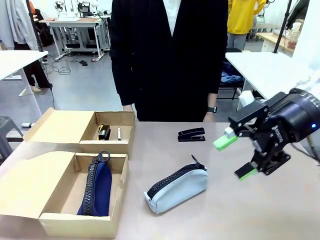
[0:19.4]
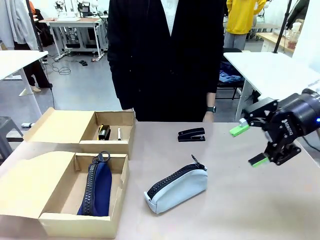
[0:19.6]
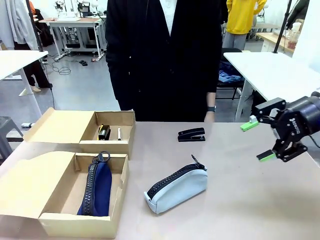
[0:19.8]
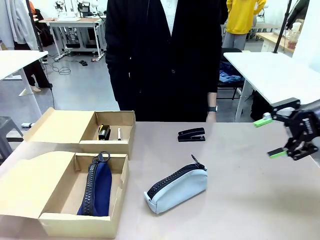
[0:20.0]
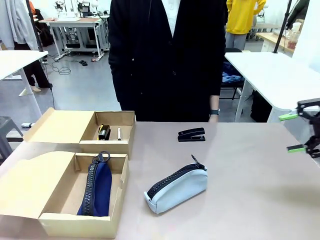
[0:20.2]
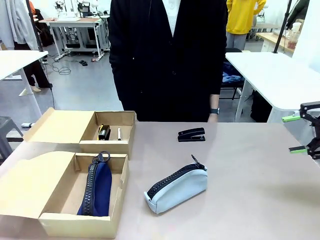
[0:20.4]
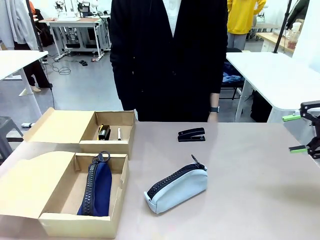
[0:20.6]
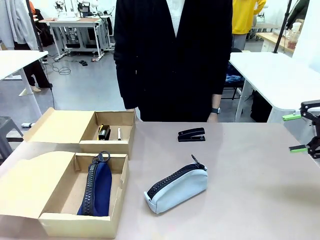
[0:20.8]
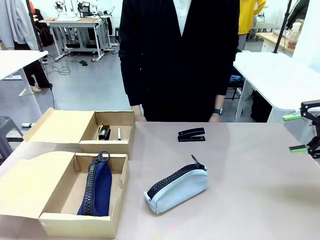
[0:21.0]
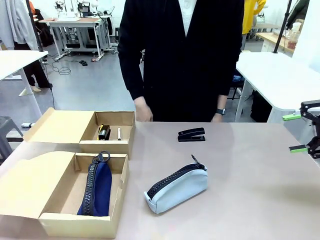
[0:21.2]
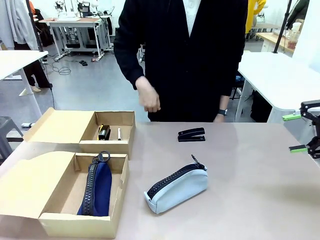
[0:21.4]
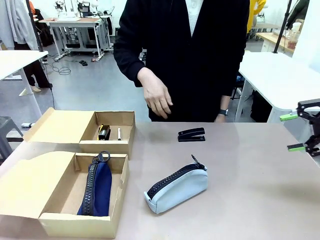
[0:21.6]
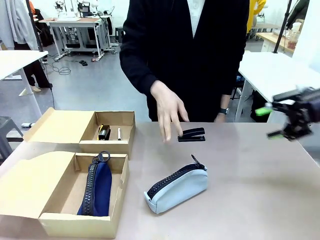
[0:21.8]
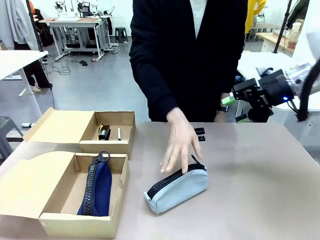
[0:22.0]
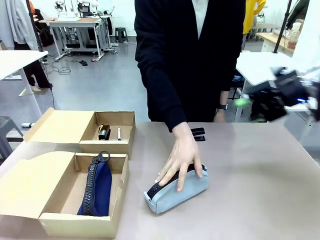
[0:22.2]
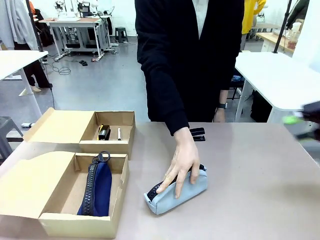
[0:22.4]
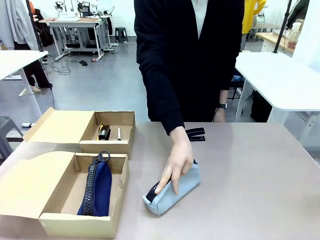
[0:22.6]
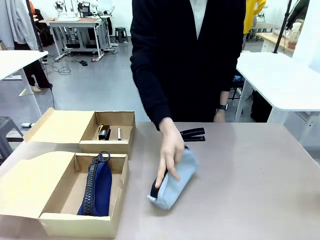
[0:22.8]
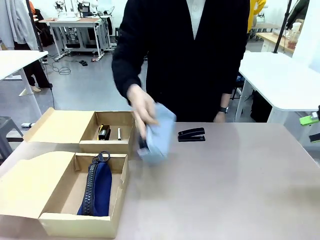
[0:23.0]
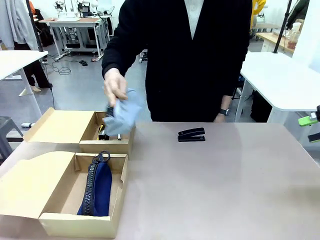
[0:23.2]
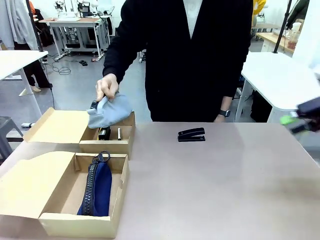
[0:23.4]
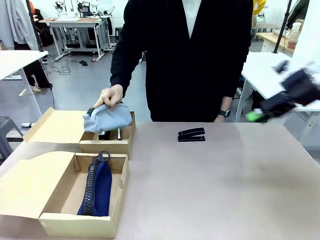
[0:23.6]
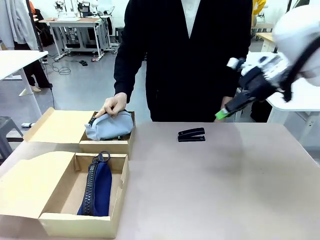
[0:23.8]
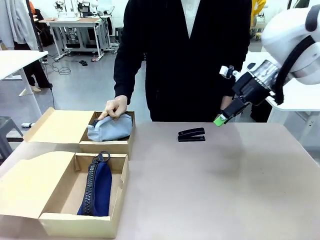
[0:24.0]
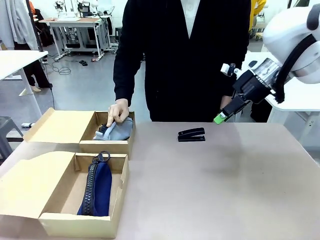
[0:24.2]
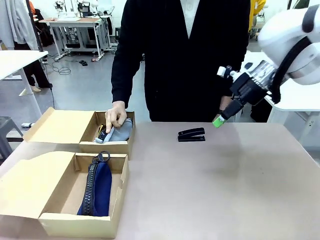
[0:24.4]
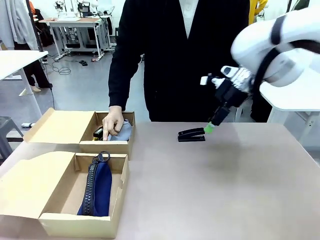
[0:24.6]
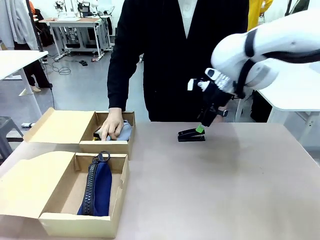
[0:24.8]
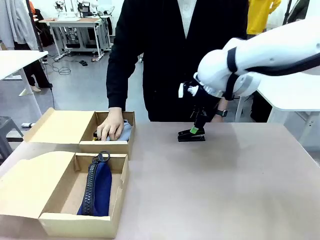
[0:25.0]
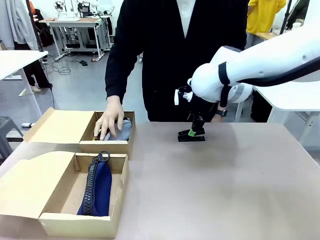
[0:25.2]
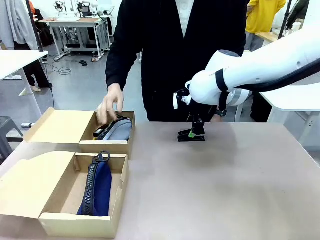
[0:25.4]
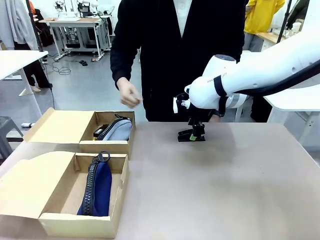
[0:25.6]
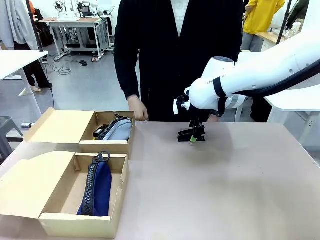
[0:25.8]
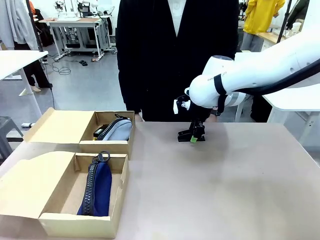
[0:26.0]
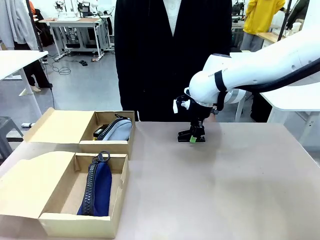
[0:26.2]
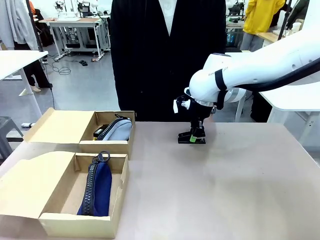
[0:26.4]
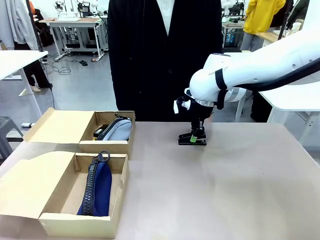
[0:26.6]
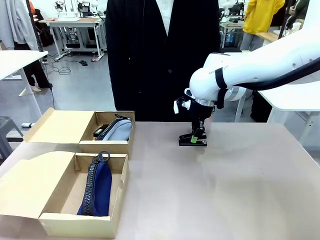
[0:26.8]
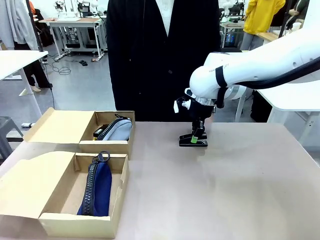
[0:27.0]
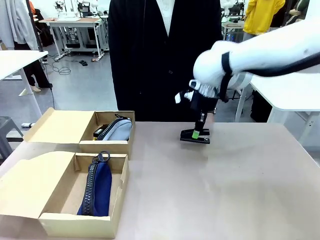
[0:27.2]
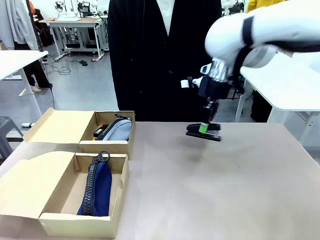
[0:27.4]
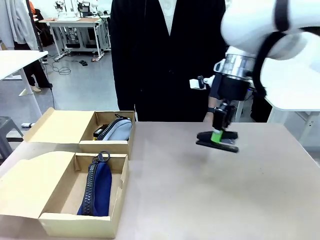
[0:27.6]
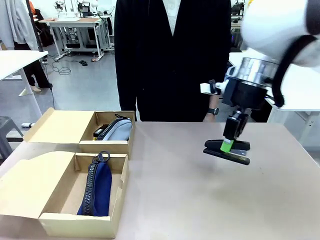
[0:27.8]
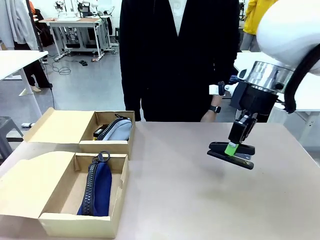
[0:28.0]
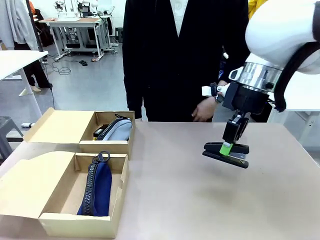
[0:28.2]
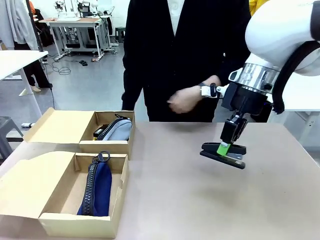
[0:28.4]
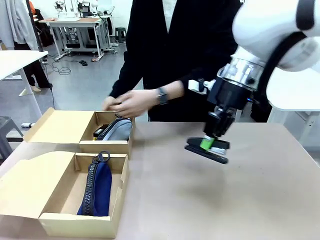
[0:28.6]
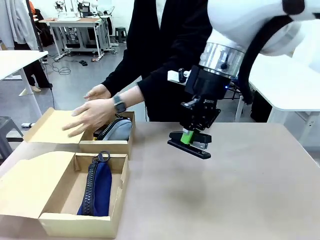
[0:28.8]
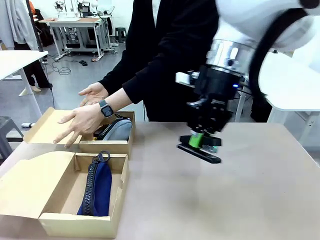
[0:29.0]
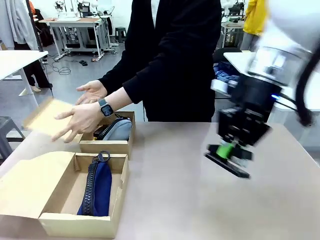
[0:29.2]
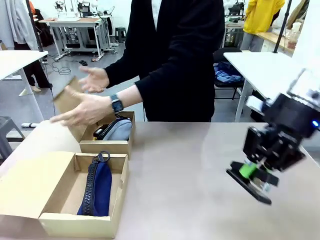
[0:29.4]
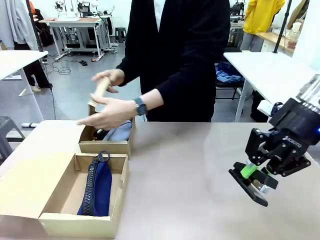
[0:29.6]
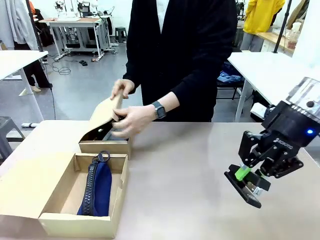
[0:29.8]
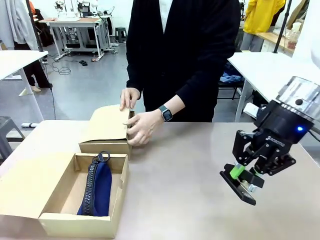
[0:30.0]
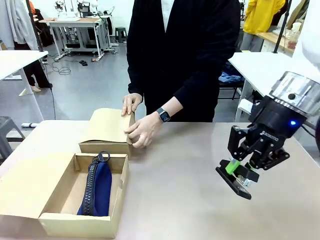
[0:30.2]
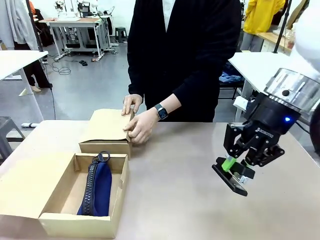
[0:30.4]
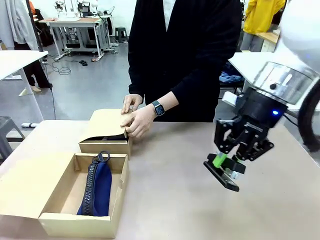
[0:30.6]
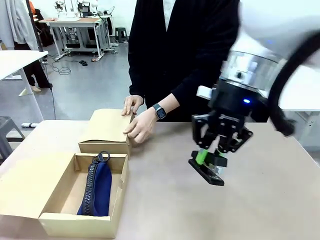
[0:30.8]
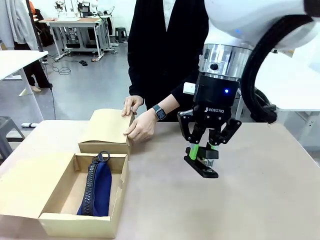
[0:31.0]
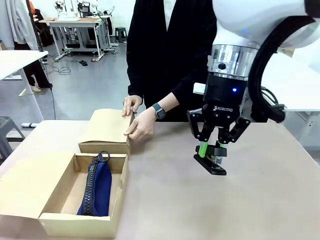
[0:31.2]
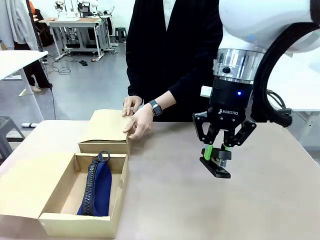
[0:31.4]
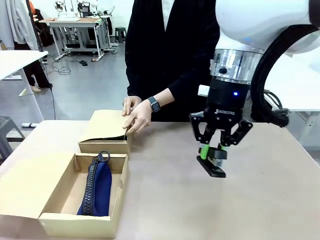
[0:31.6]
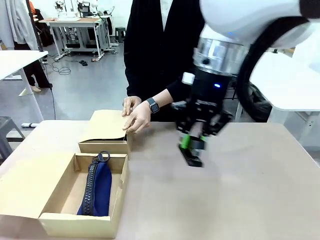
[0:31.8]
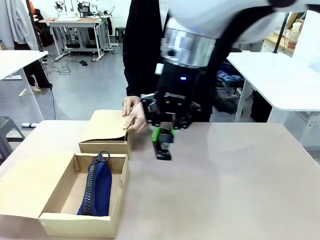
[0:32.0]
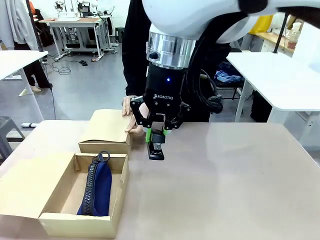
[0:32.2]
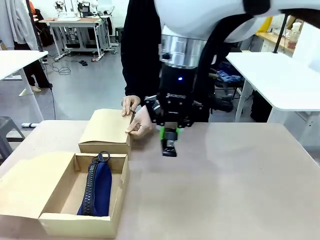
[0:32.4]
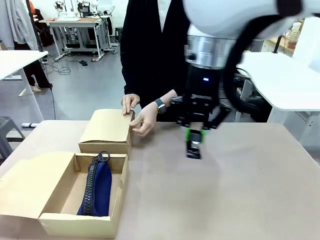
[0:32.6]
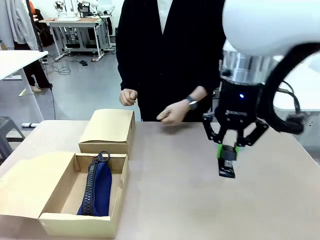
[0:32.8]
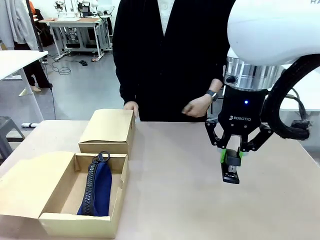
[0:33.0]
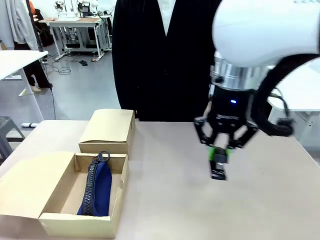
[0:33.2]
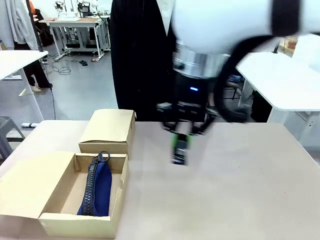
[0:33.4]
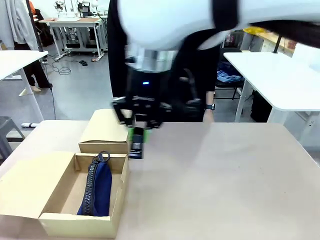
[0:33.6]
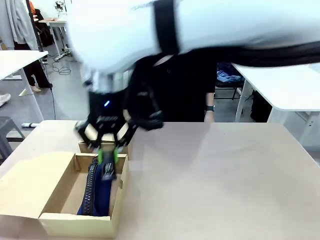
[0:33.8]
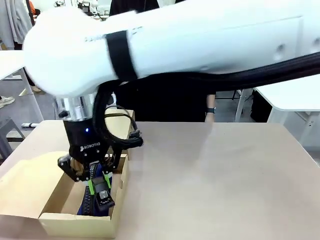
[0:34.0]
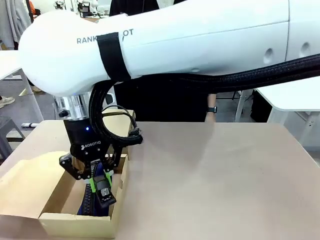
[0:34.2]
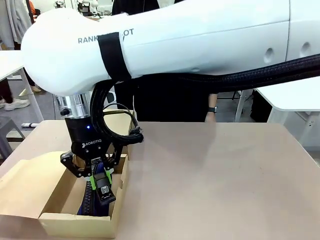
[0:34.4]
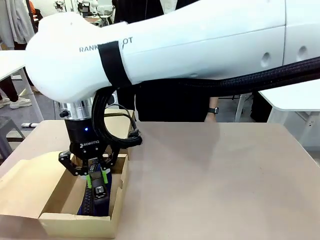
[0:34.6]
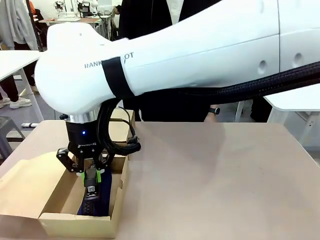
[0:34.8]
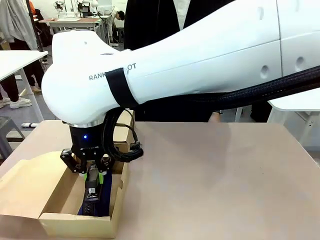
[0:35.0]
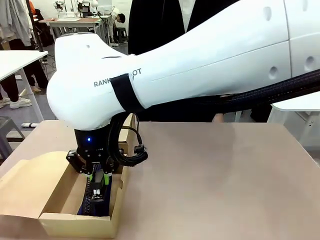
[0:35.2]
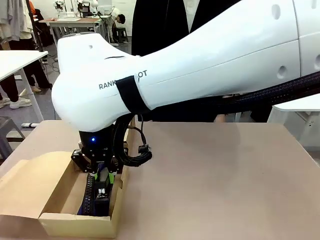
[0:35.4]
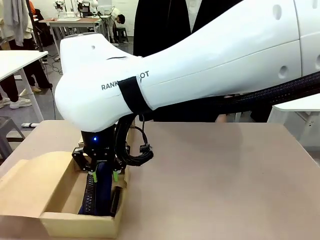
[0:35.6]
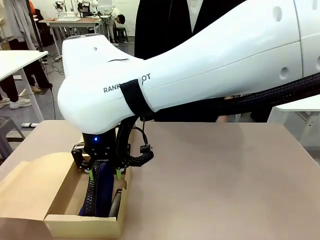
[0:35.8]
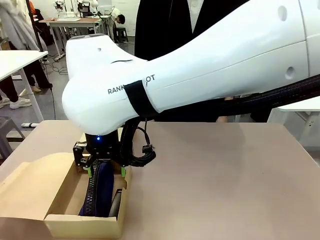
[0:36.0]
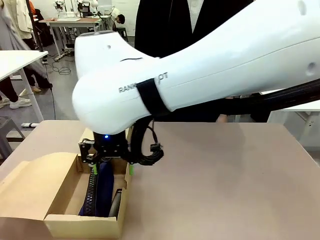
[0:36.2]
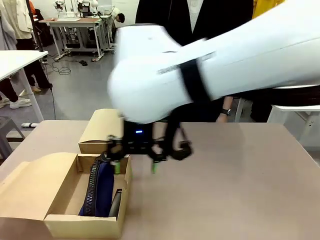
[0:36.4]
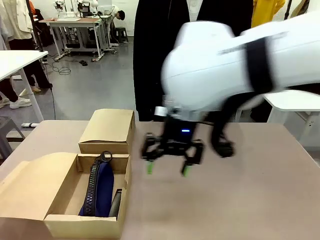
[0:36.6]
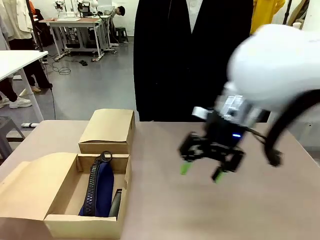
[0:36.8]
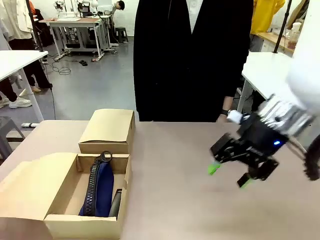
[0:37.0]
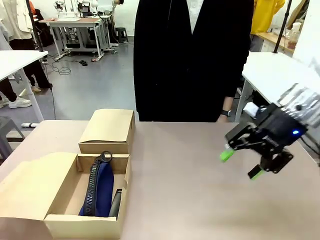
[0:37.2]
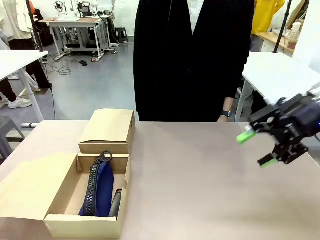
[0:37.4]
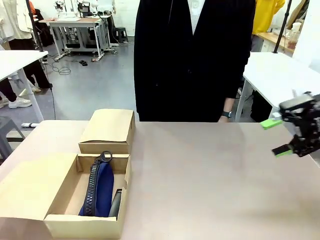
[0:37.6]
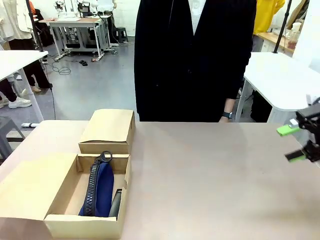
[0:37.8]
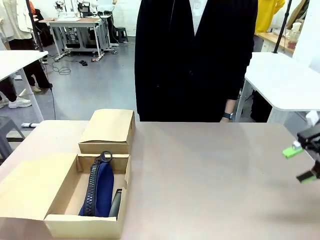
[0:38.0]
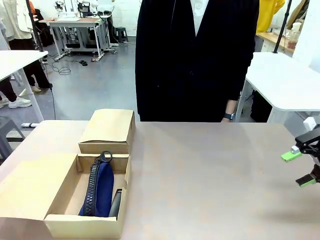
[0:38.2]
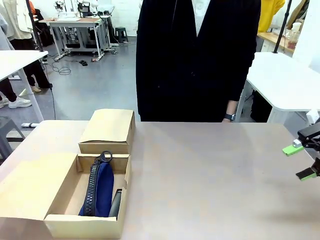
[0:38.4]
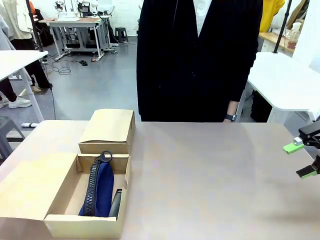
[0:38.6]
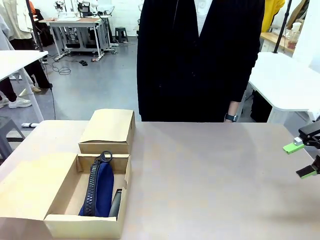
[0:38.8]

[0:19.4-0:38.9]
Task: Place items inside the box.
Robot: Pick up a Pencil pouch or Stapler and place it inside the Mailer Box closest to the robot.
Person: Close the lid of the box facing the person.
